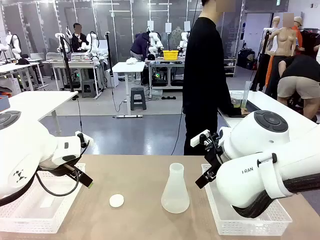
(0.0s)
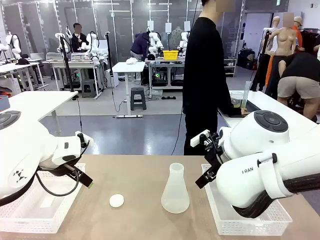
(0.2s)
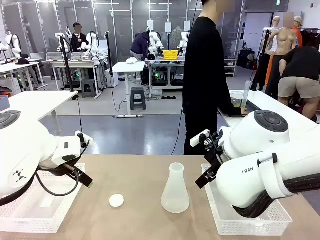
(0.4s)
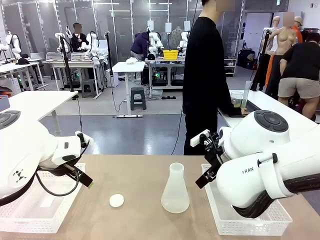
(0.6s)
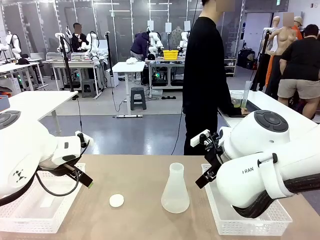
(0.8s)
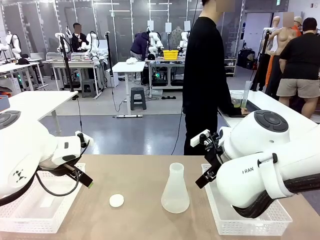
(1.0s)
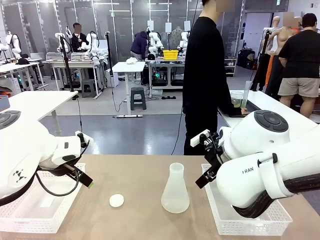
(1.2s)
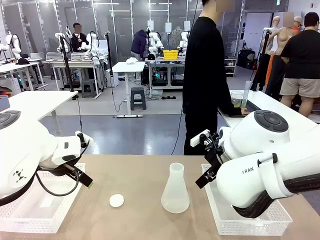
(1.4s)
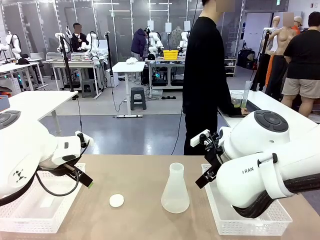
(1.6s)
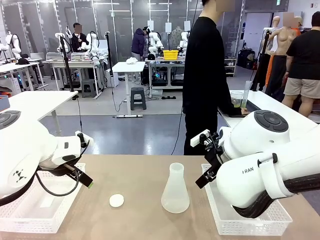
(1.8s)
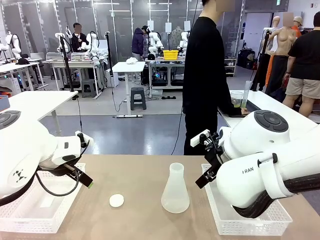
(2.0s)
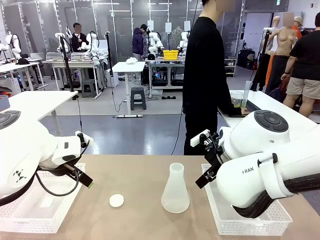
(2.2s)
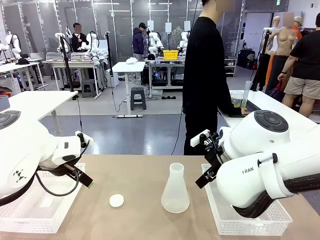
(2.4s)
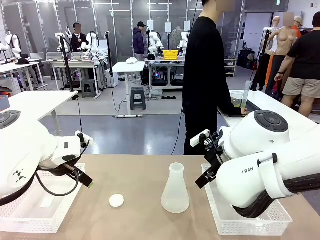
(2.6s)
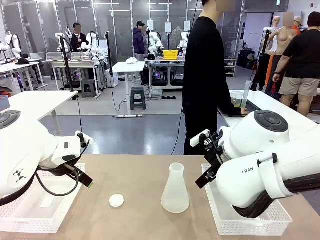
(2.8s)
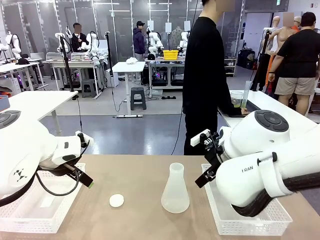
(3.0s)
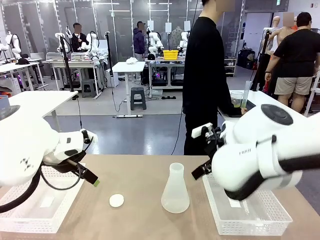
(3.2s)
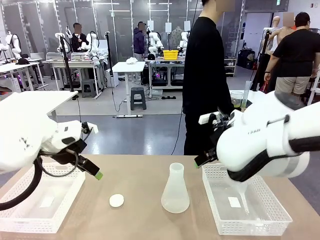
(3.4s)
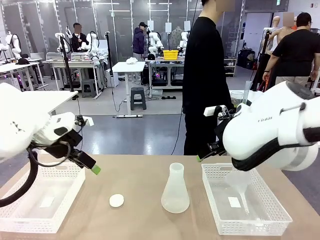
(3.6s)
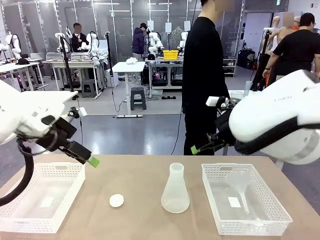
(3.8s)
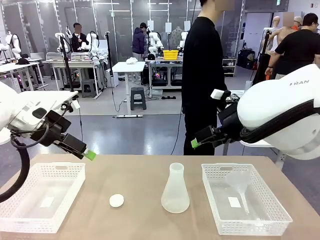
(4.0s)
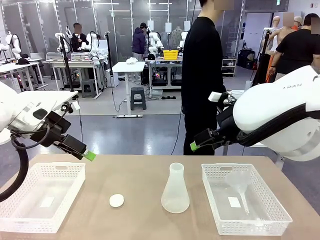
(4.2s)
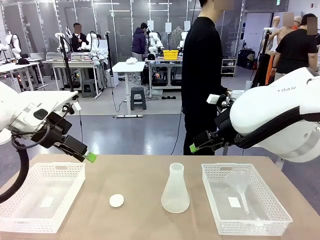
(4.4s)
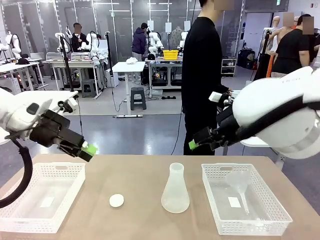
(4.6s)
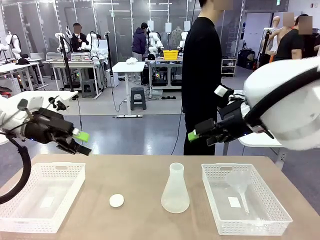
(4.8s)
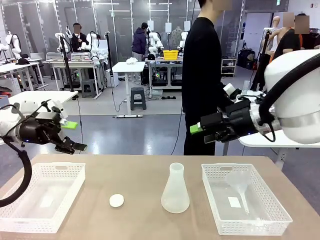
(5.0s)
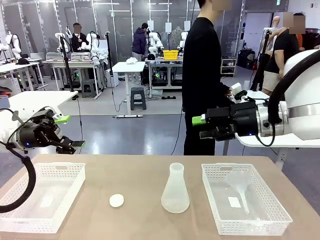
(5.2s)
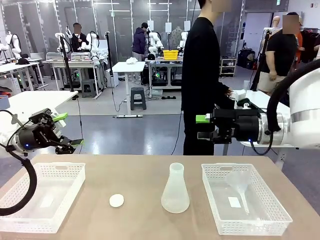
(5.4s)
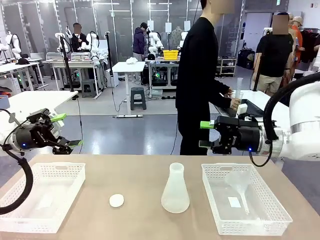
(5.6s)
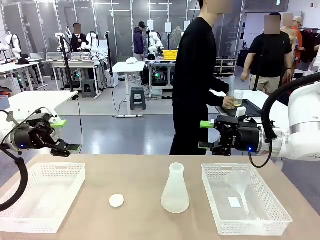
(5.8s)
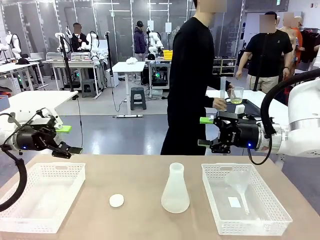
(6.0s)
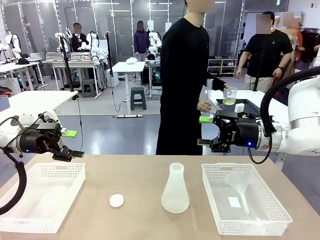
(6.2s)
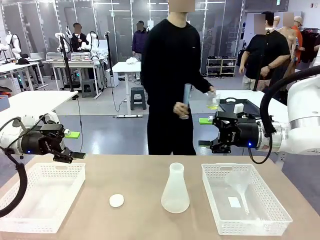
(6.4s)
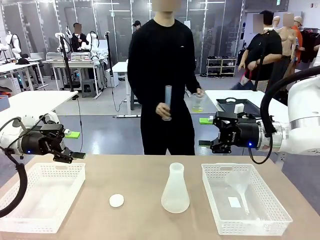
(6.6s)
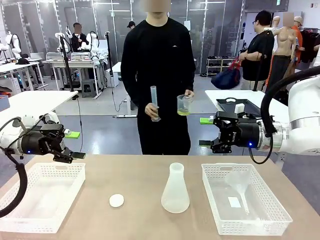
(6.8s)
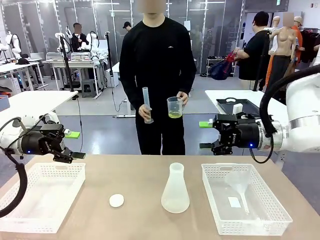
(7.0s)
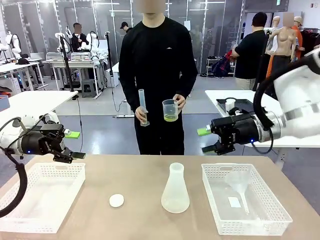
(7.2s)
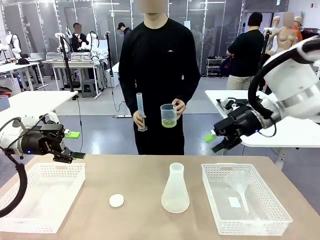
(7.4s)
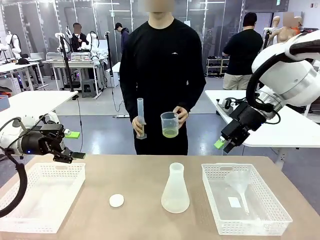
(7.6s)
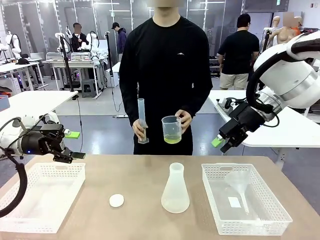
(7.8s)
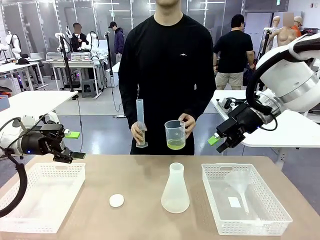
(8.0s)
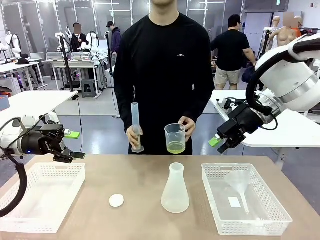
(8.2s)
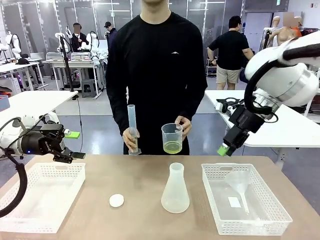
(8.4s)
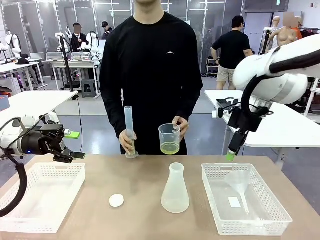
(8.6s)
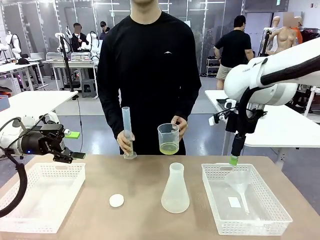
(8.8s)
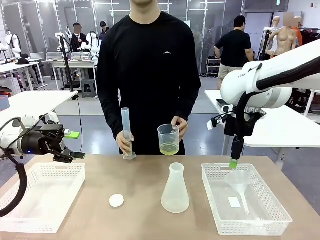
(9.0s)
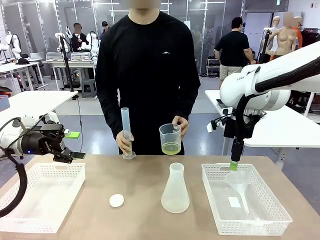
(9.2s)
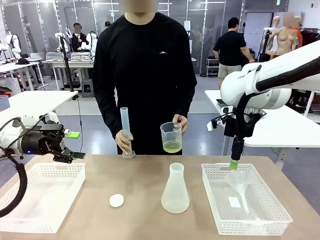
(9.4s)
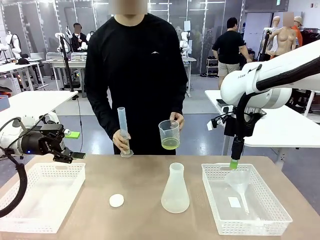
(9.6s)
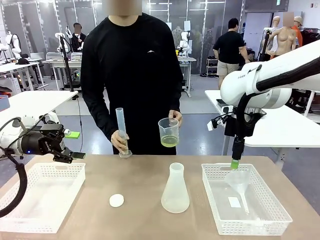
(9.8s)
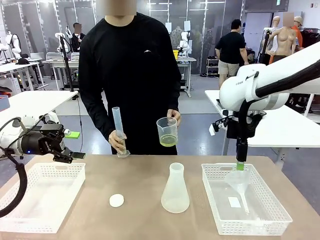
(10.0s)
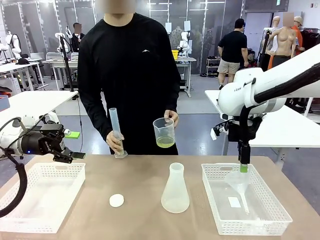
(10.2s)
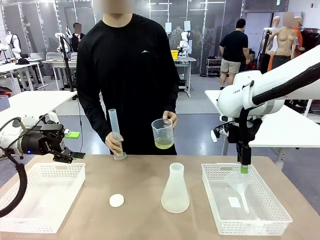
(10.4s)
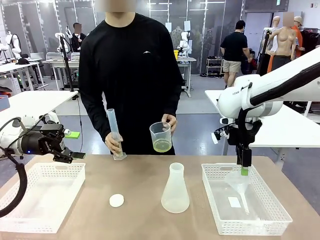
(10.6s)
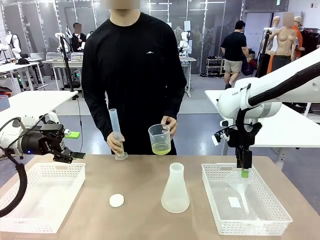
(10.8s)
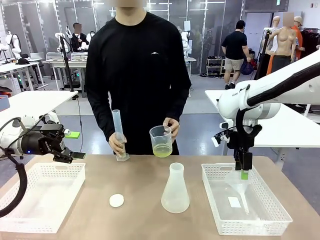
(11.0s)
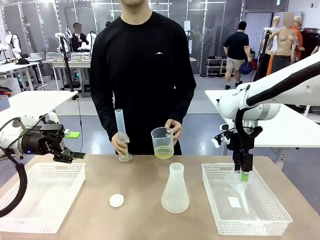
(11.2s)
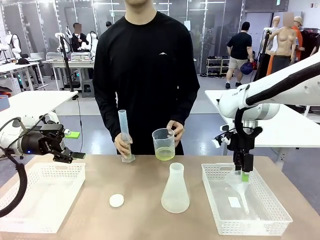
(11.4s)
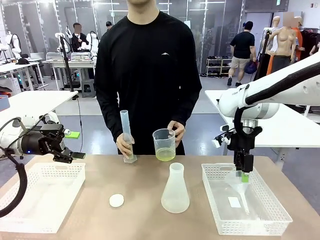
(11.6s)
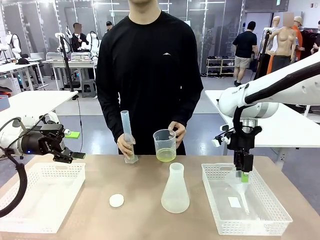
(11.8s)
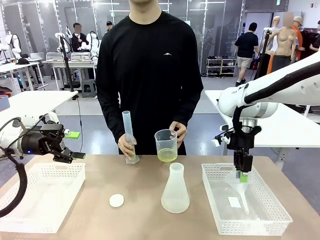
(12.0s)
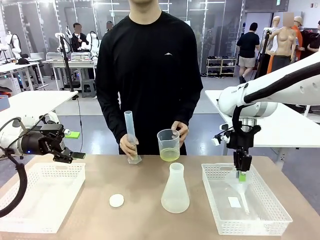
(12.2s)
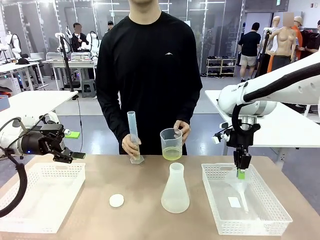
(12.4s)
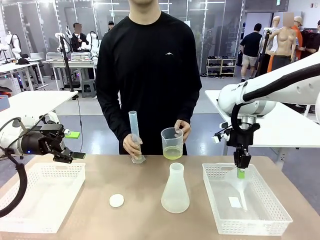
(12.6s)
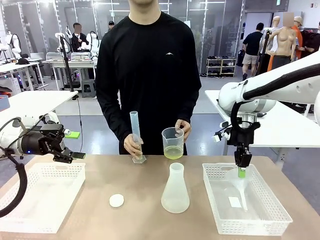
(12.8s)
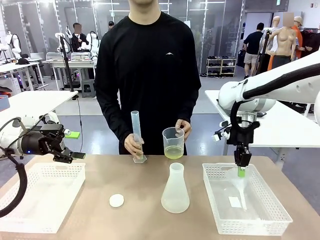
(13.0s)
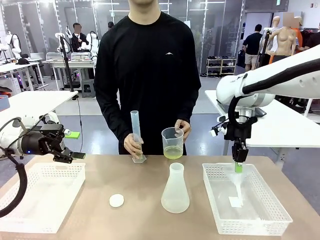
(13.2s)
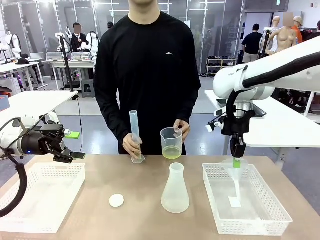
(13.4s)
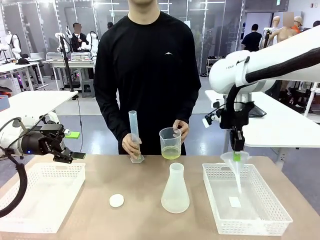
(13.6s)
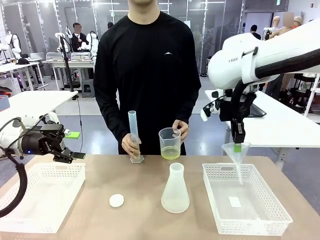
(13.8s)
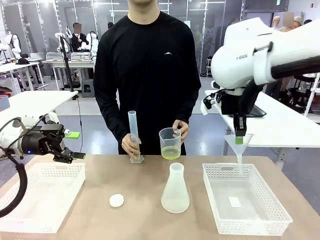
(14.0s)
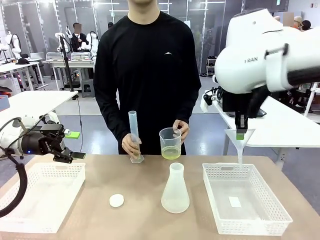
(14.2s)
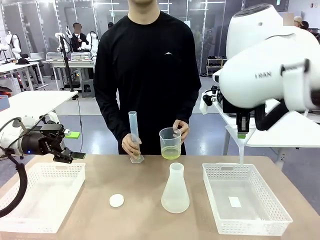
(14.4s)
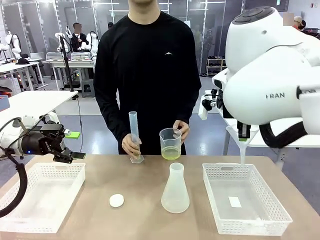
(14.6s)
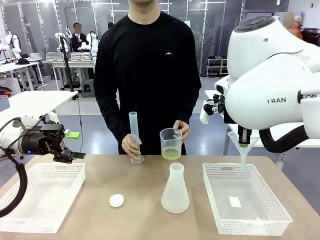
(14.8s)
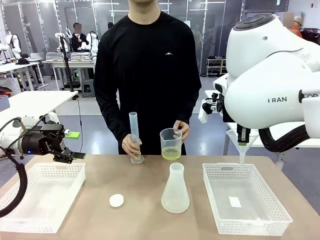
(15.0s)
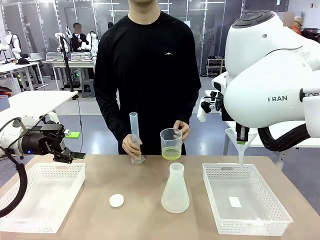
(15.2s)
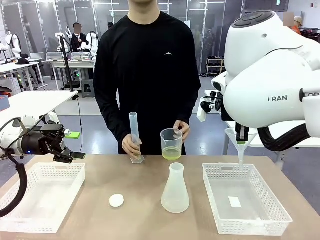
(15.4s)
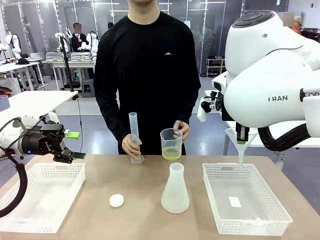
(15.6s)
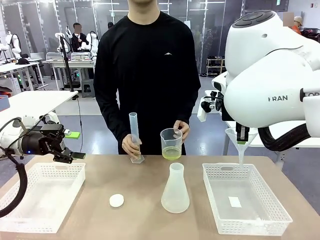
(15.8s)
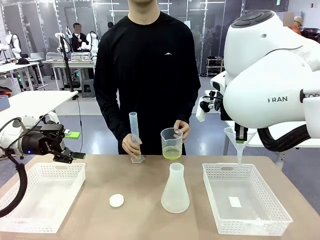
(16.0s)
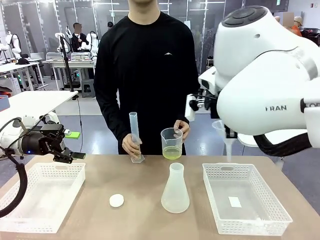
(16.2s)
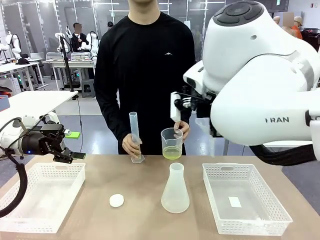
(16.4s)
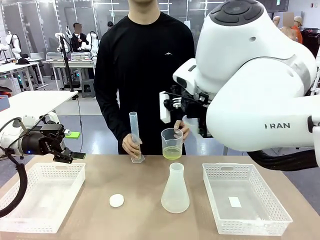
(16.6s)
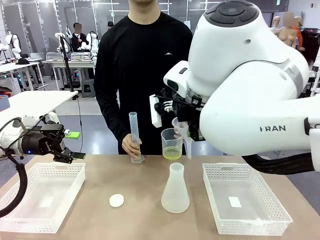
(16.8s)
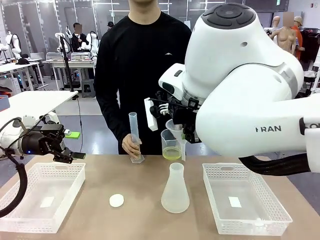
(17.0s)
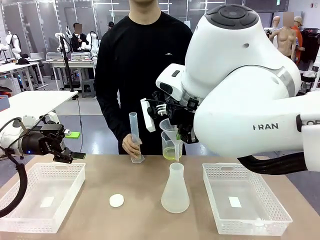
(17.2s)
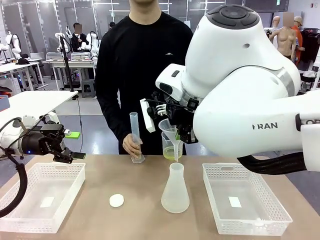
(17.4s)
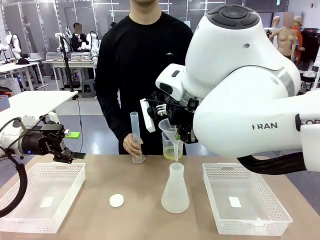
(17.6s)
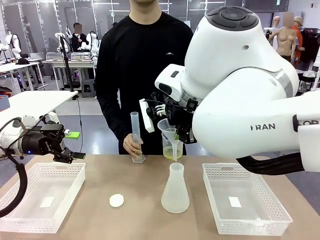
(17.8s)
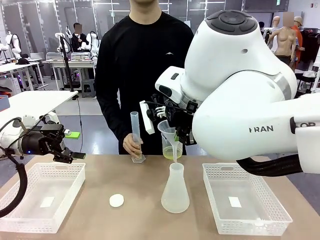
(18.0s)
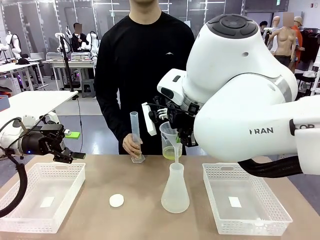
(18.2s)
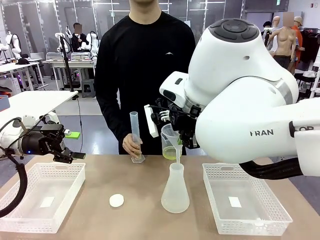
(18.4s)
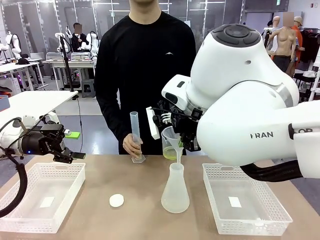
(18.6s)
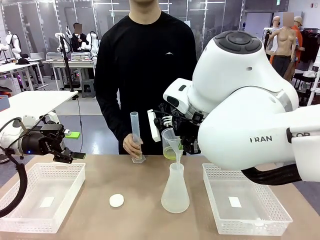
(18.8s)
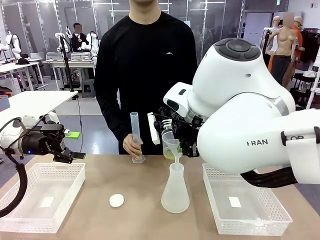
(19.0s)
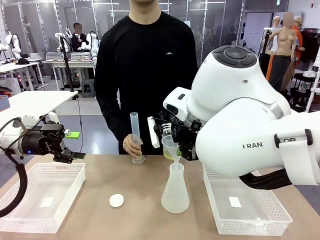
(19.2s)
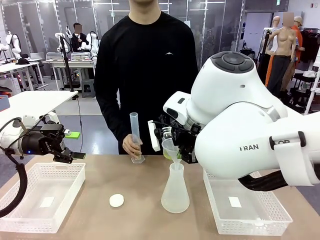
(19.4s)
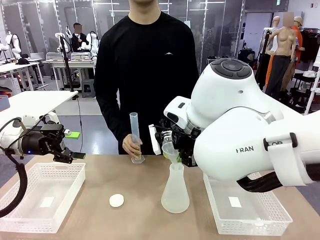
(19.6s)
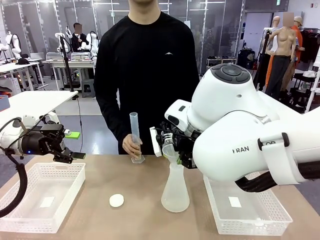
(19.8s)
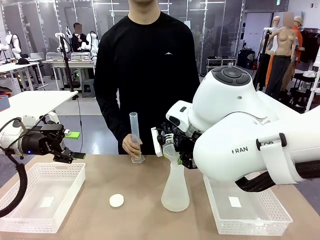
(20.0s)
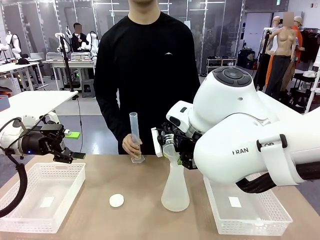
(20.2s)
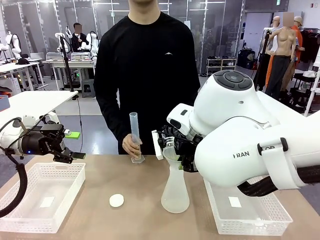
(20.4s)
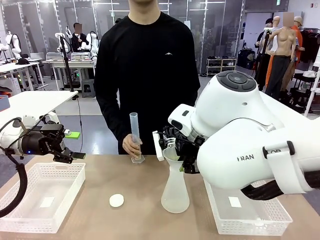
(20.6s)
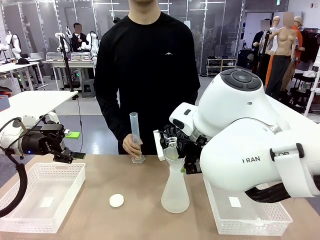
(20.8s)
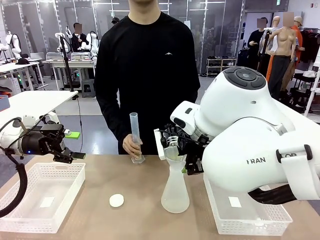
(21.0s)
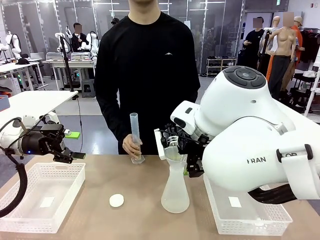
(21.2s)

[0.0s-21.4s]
Task: Prepare the solutions needed for the experiment.
Robot: Pick up the Plastic Funnel and insert it into the Big flask.
Person: Pick up the beaker and the cylinder and move to the middle of the robot table. Pour the solution from the beaker and the cylinder into the flask.
